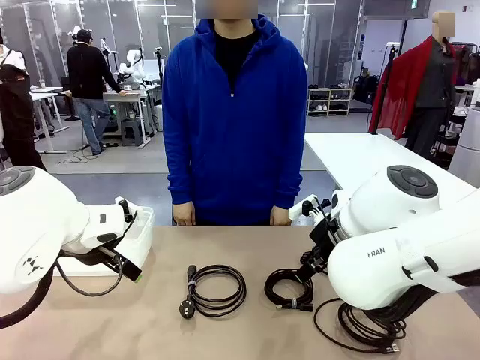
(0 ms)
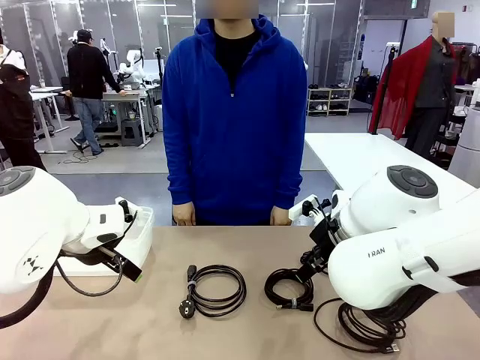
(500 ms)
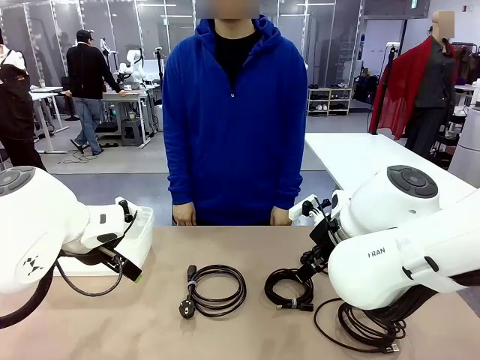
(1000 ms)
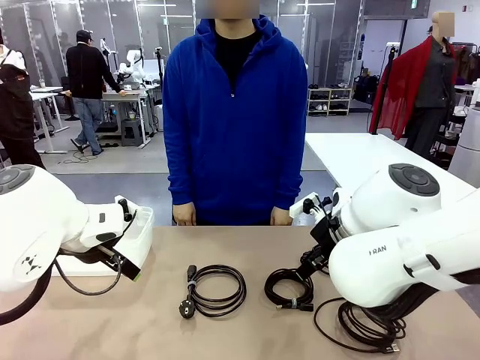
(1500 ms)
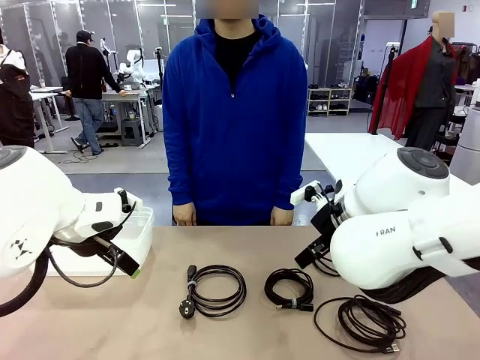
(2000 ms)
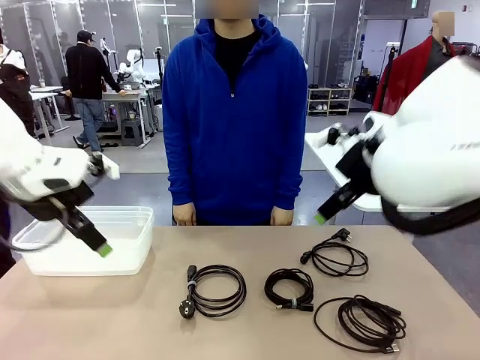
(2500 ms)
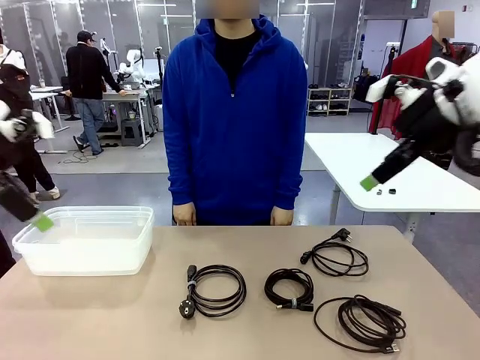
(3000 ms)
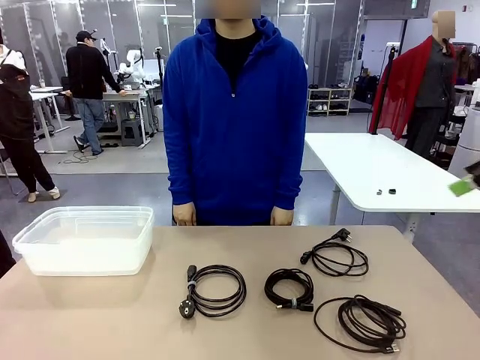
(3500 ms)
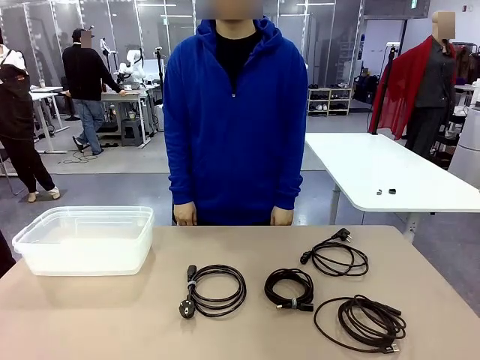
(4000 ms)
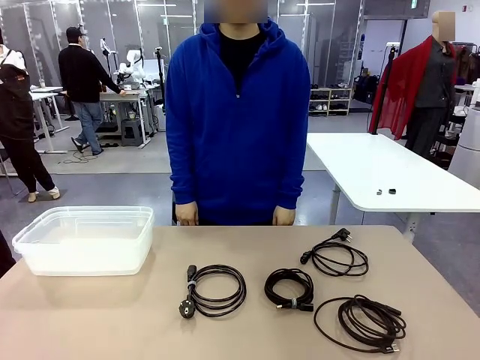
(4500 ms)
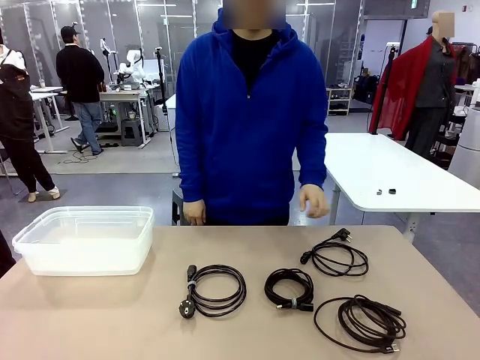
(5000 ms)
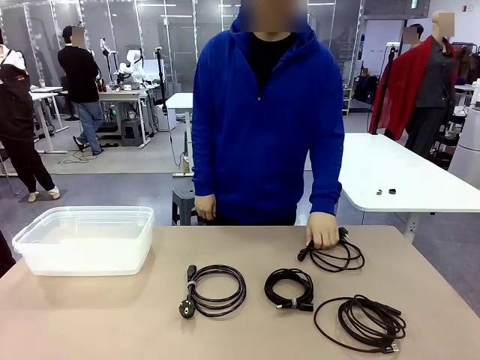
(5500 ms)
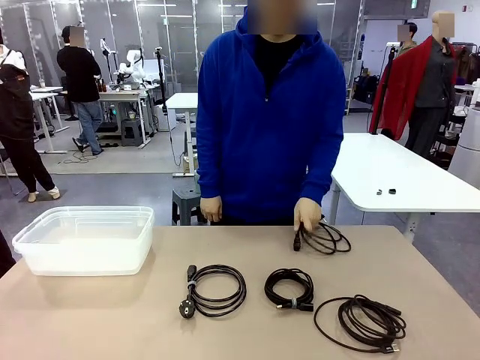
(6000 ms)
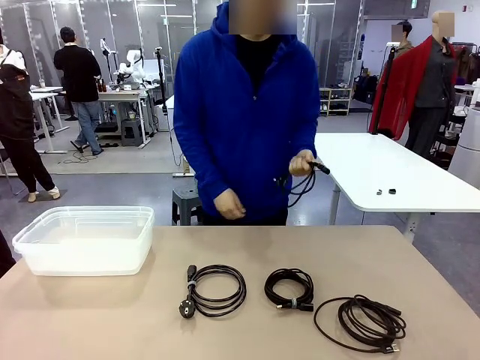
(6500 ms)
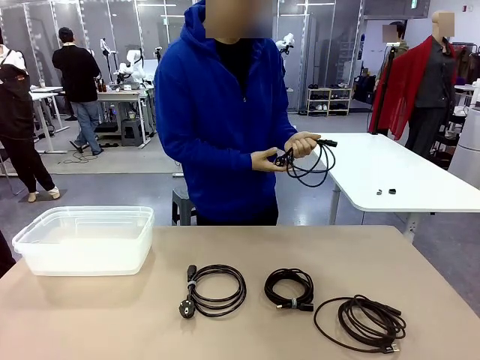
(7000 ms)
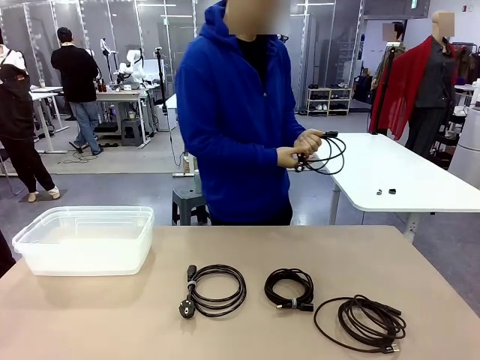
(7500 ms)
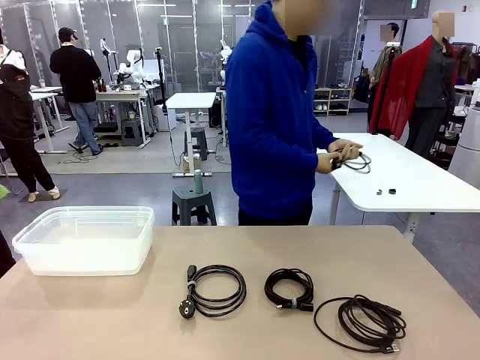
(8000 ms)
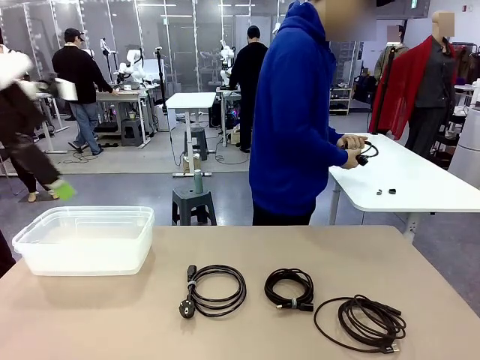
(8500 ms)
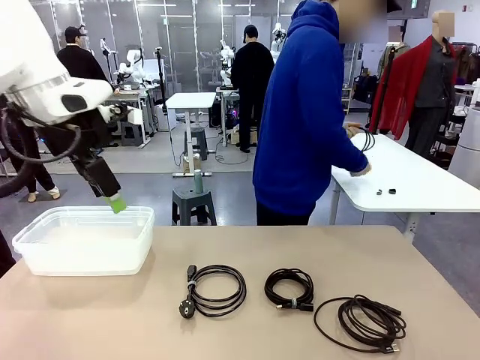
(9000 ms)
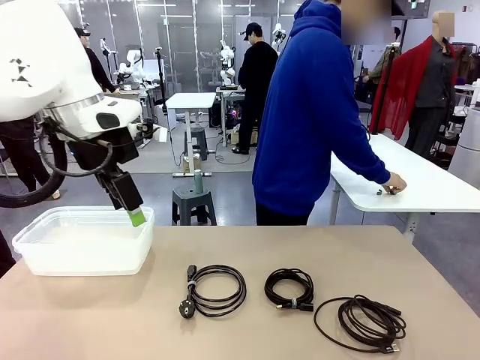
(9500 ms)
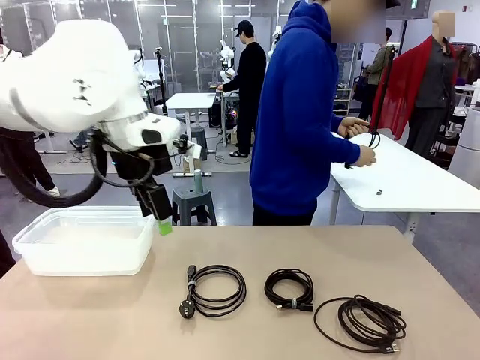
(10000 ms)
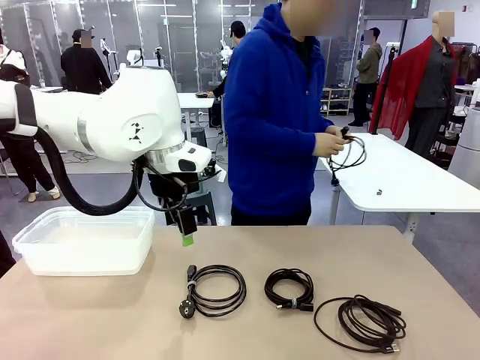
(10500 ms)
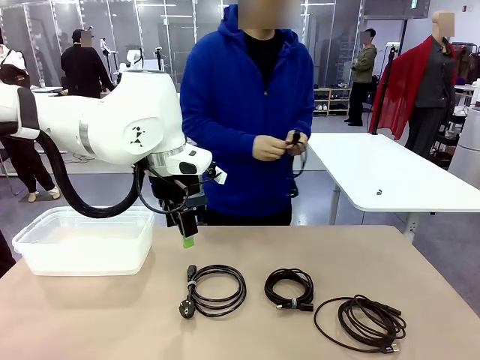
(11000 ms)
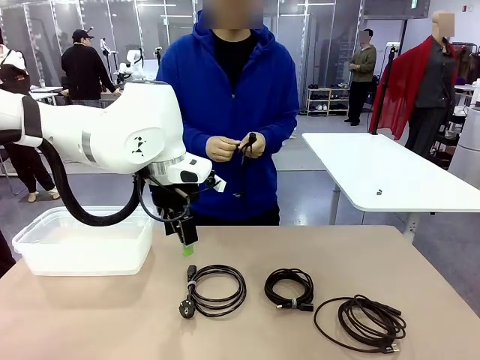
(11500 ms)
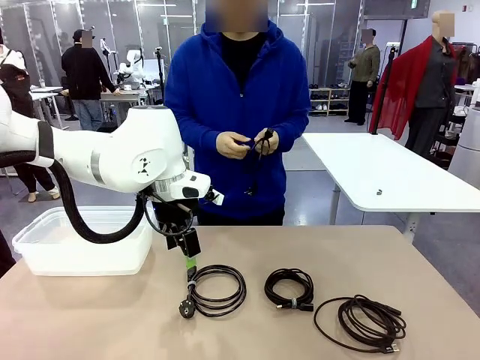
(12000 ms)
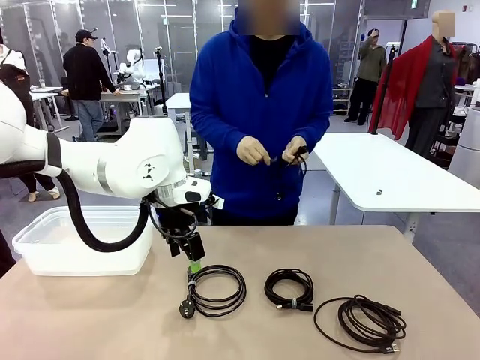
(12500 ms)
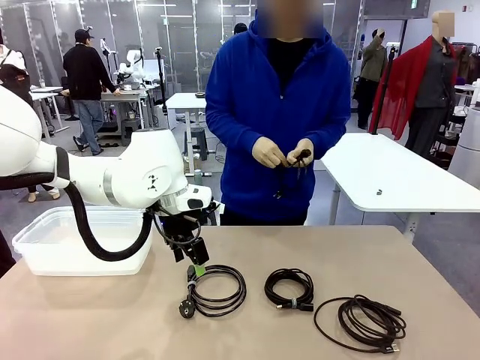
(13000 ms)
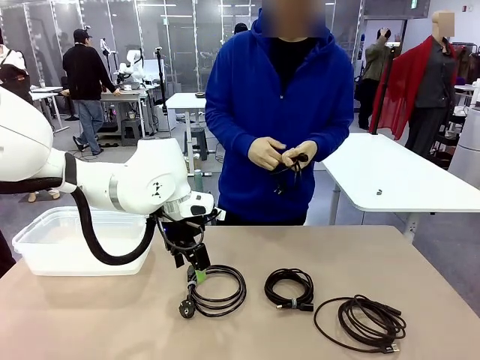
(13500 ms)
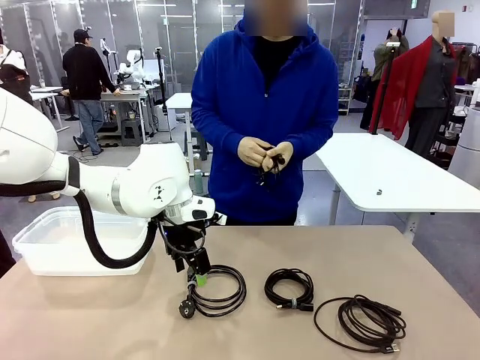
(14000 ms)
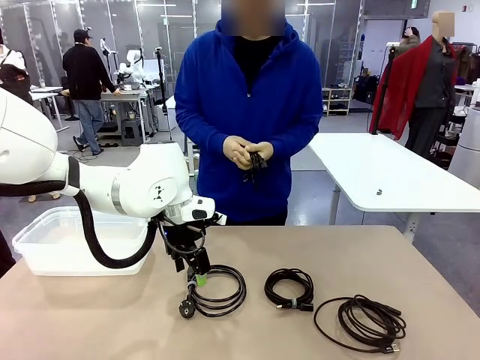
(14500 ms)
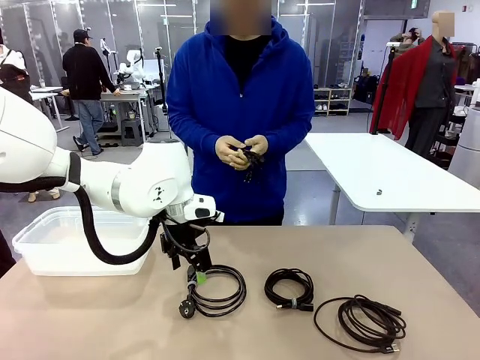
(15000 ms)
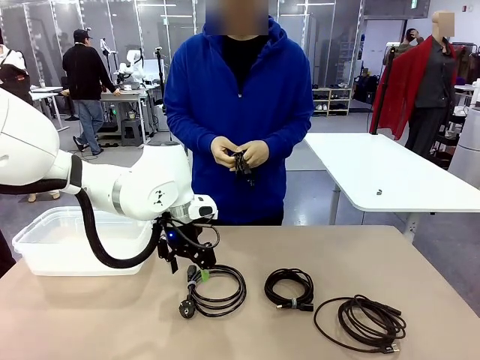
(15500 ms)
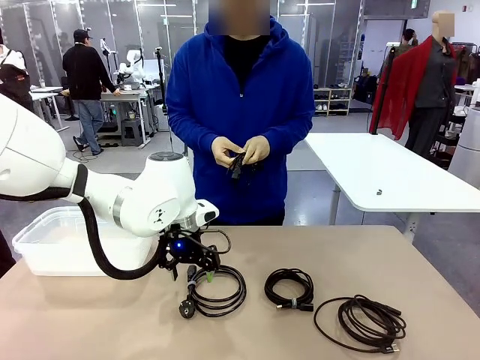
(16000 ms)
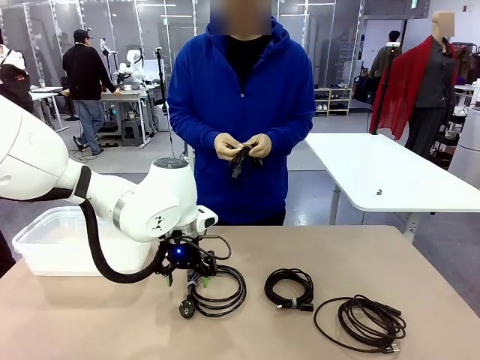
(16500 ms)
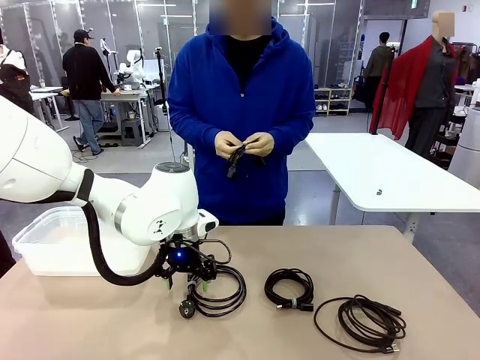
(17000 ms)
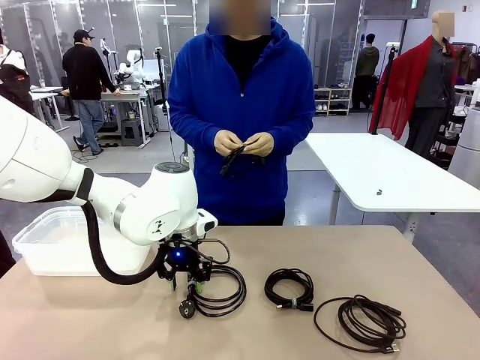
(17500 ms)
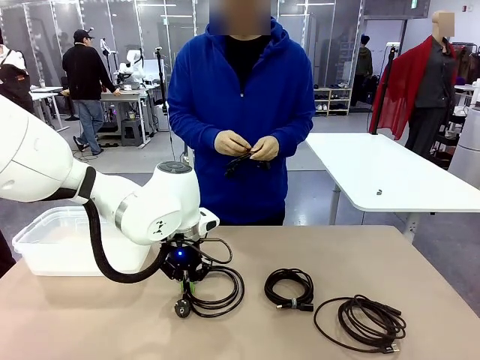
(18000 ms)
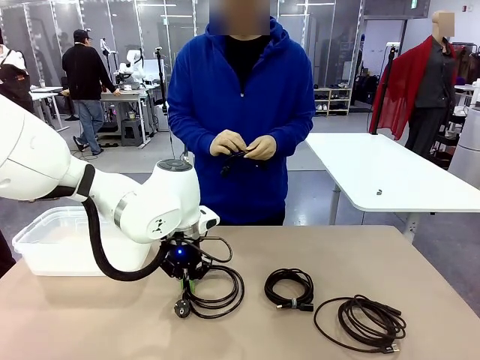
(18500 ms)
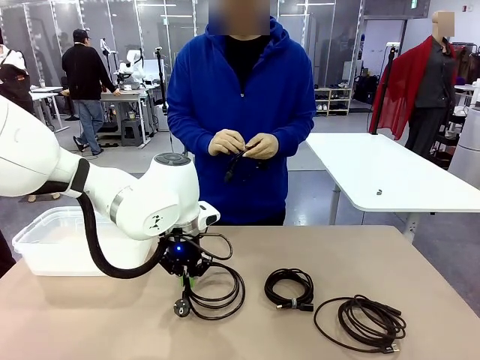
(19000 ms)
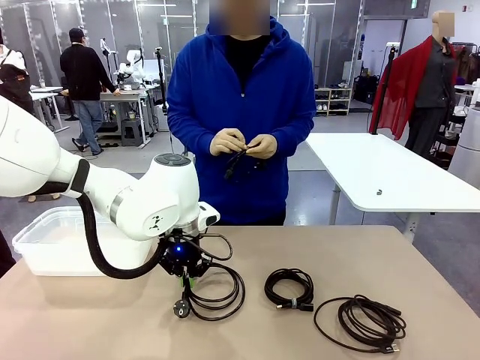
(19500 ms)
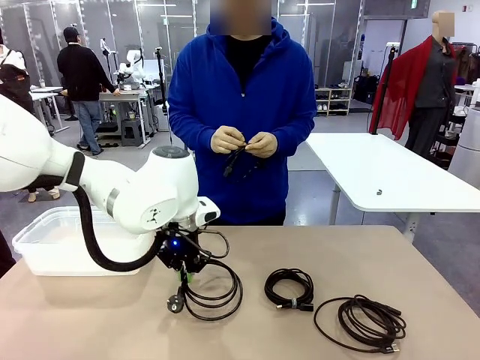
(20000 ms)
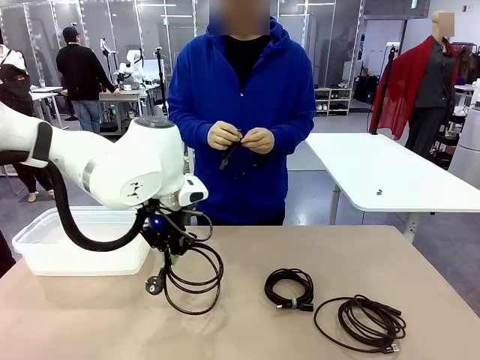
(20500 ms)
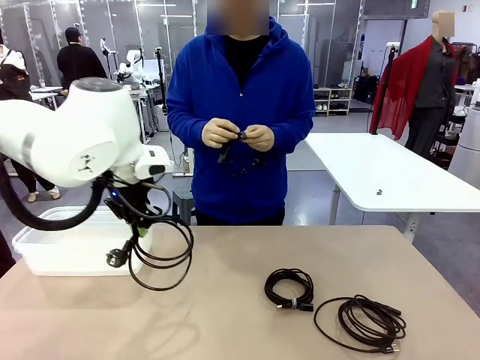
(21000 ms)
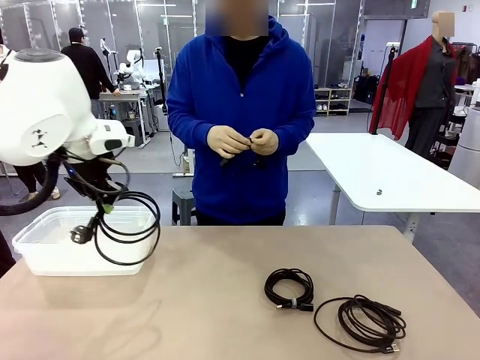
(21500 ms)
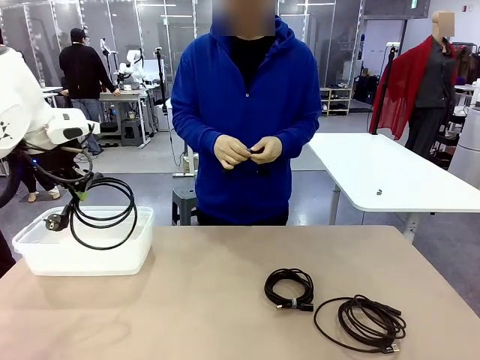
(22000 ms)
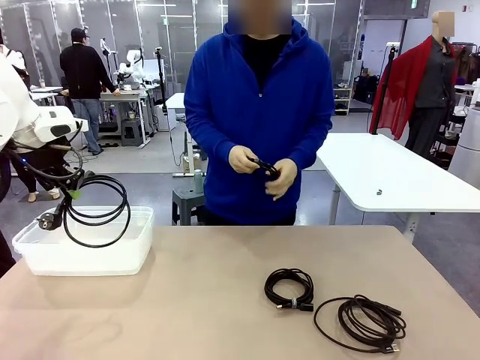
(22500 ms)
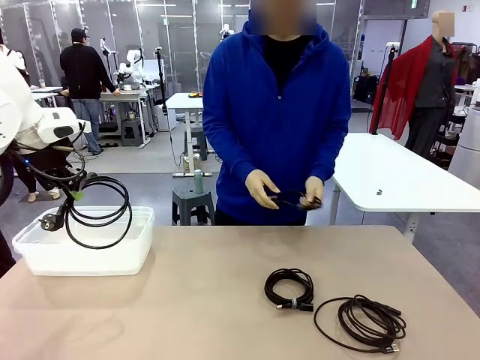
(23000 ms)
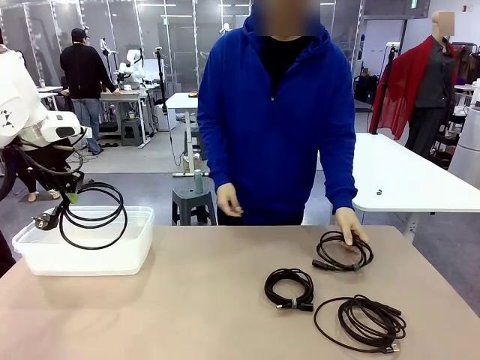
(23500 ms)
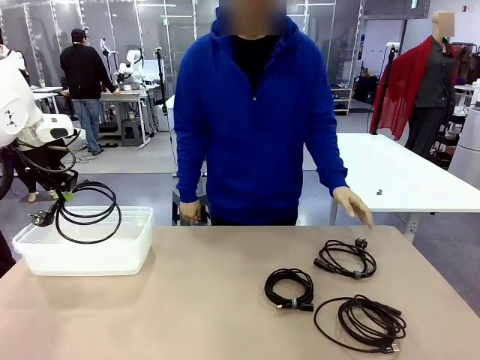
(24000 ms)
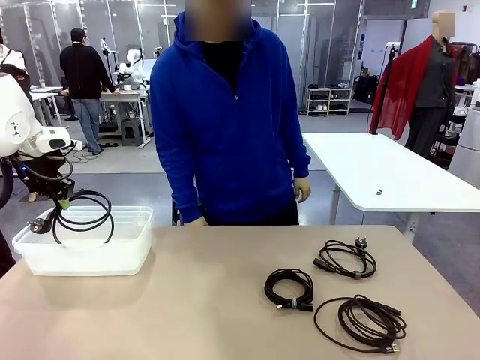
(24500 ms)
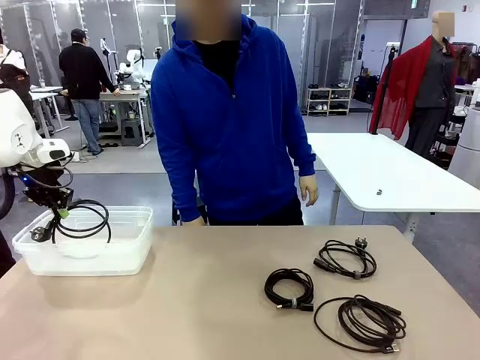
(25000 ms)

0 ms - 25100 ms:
Task: Organize and store the cables.
Robot: Place the Power Cable into the Organizing box.
Person: Tie one Power Cable with a Reusable Cable Tie.
